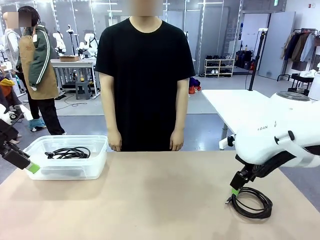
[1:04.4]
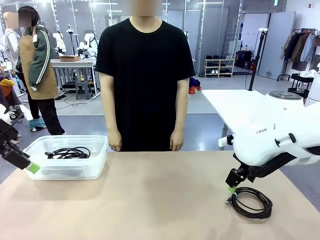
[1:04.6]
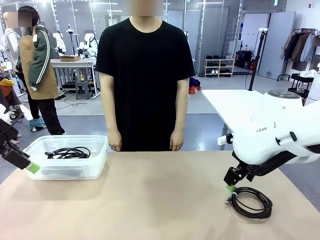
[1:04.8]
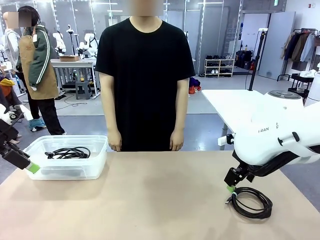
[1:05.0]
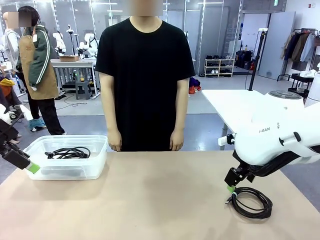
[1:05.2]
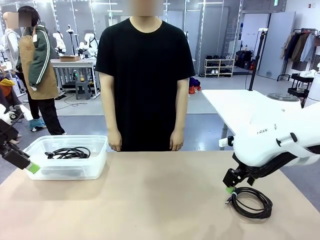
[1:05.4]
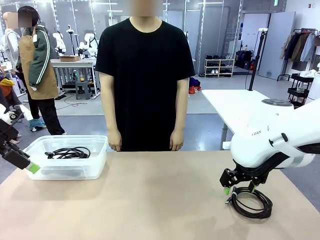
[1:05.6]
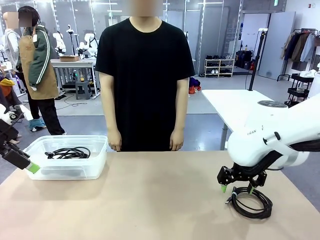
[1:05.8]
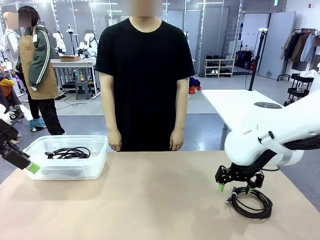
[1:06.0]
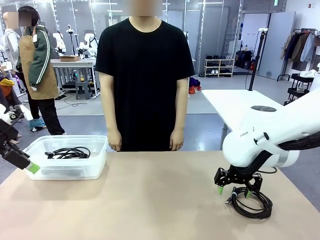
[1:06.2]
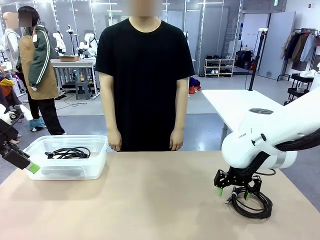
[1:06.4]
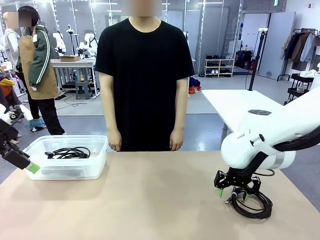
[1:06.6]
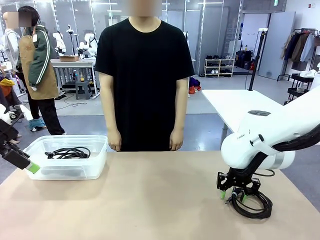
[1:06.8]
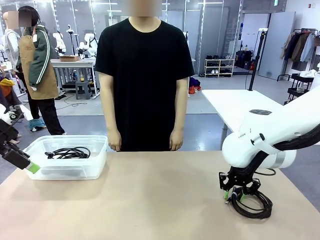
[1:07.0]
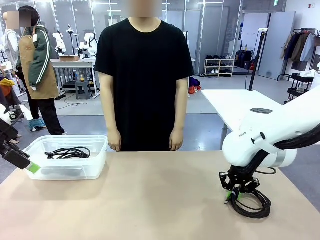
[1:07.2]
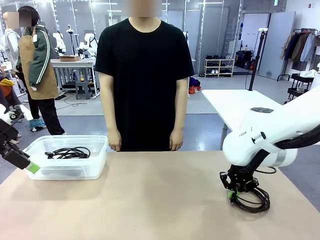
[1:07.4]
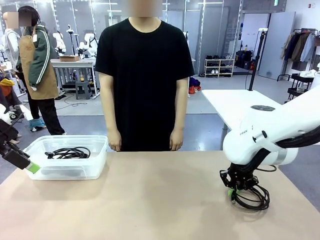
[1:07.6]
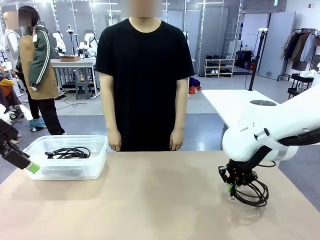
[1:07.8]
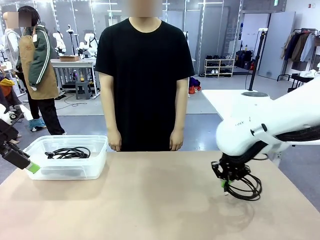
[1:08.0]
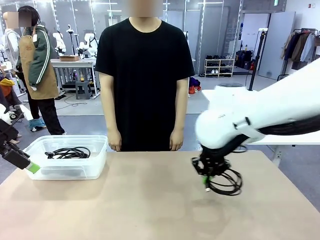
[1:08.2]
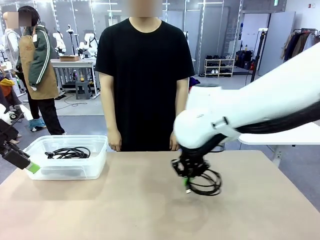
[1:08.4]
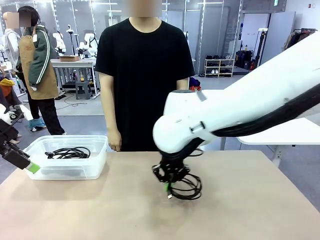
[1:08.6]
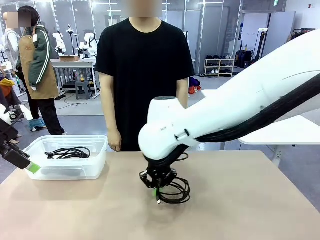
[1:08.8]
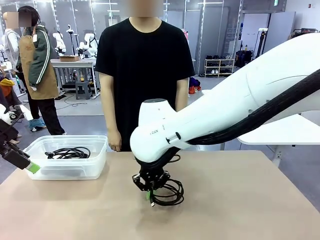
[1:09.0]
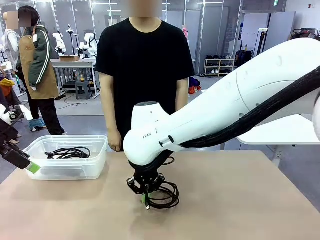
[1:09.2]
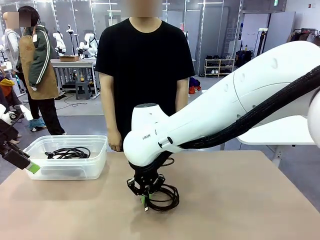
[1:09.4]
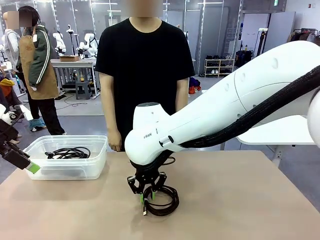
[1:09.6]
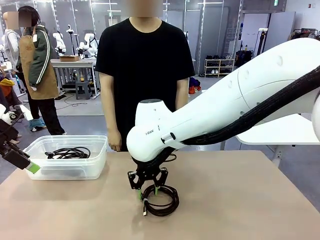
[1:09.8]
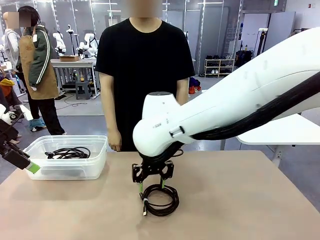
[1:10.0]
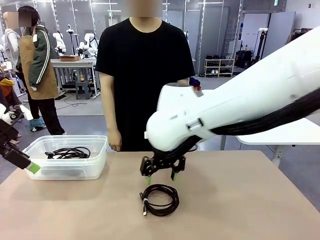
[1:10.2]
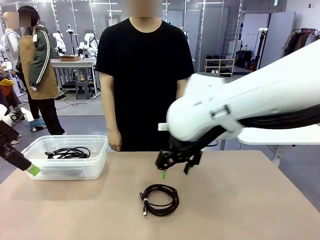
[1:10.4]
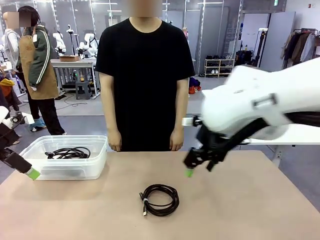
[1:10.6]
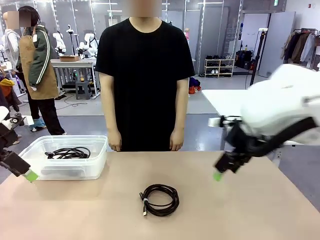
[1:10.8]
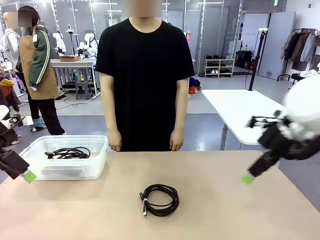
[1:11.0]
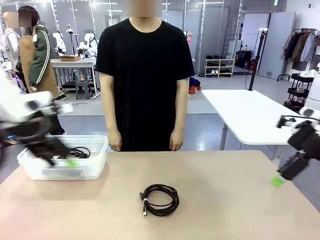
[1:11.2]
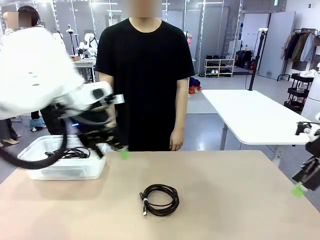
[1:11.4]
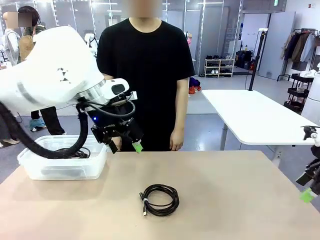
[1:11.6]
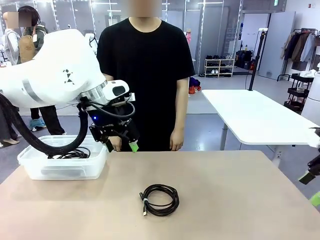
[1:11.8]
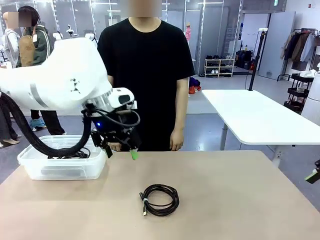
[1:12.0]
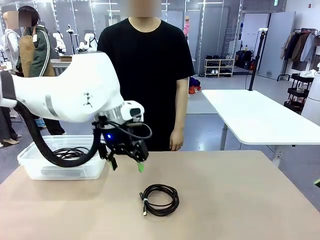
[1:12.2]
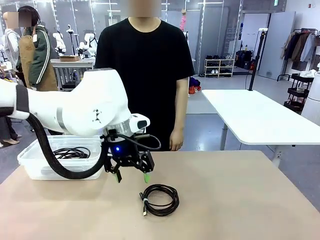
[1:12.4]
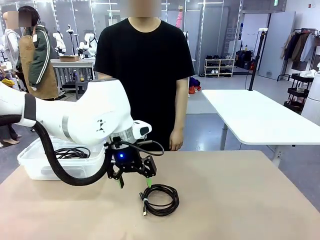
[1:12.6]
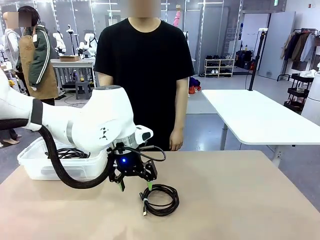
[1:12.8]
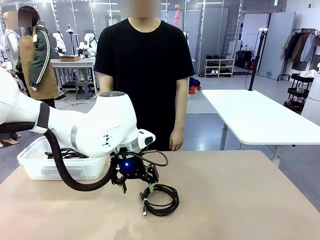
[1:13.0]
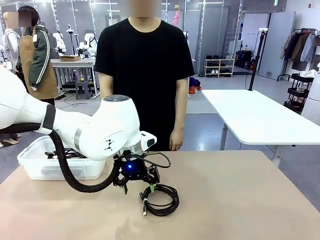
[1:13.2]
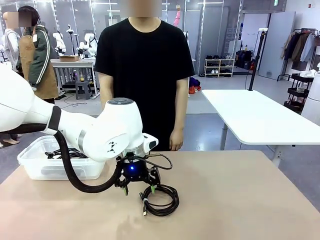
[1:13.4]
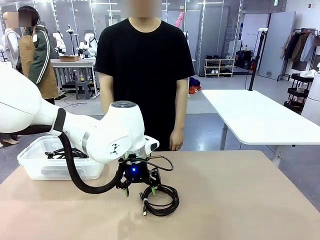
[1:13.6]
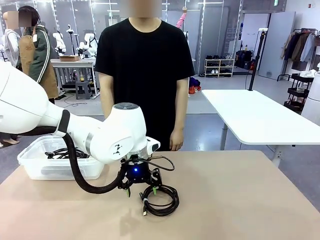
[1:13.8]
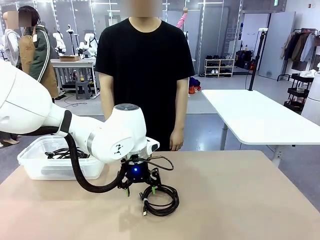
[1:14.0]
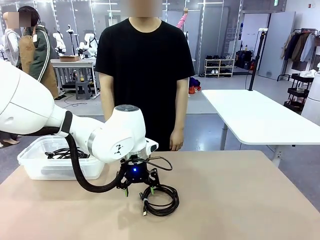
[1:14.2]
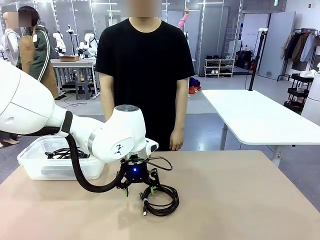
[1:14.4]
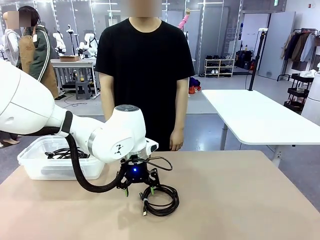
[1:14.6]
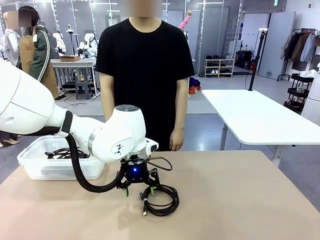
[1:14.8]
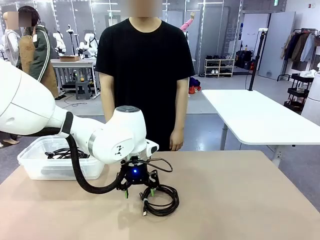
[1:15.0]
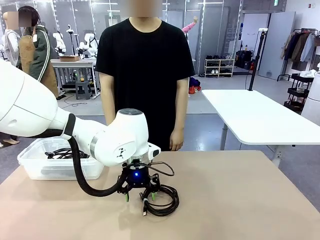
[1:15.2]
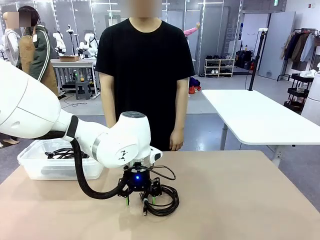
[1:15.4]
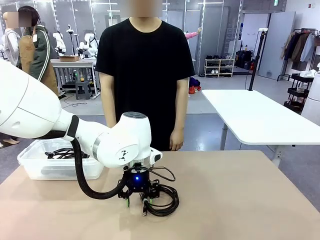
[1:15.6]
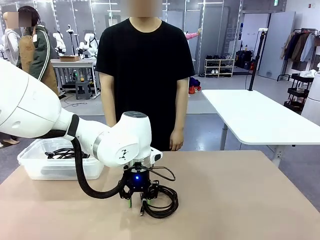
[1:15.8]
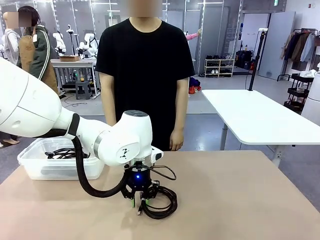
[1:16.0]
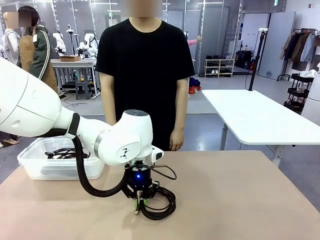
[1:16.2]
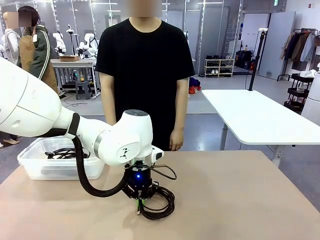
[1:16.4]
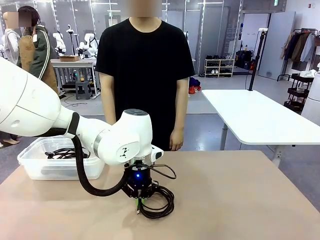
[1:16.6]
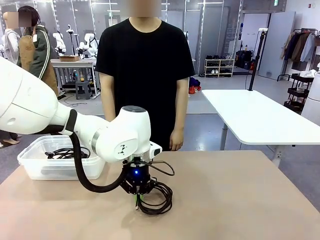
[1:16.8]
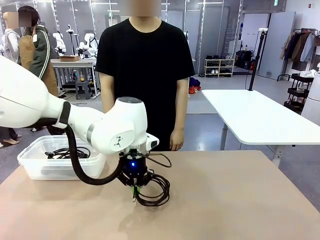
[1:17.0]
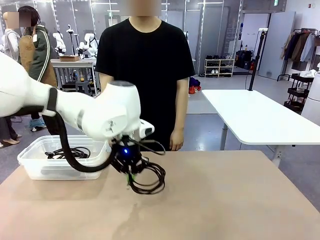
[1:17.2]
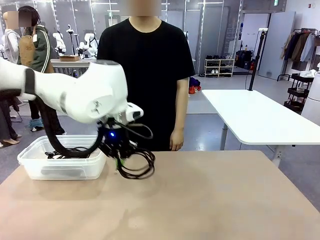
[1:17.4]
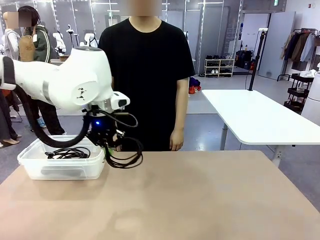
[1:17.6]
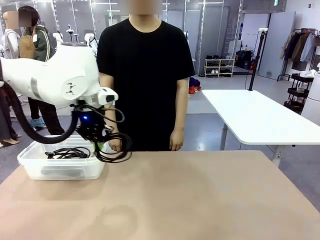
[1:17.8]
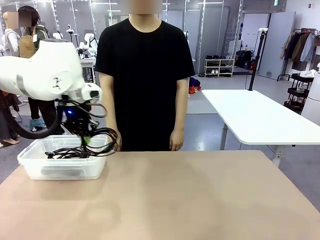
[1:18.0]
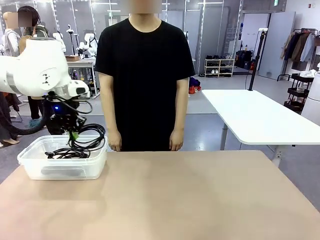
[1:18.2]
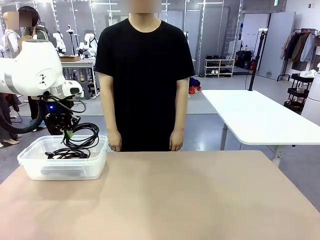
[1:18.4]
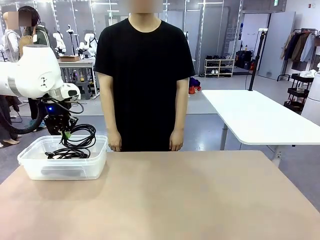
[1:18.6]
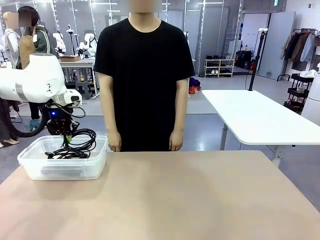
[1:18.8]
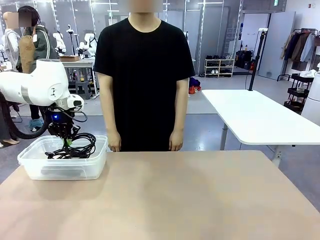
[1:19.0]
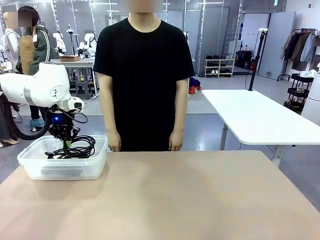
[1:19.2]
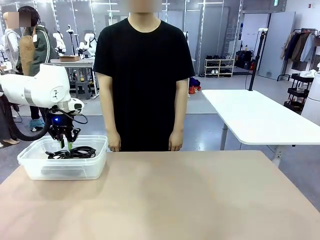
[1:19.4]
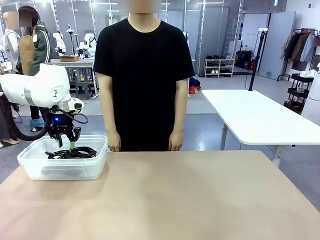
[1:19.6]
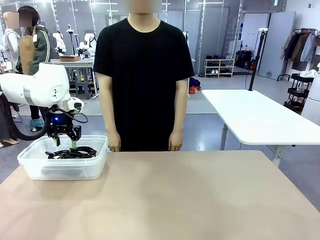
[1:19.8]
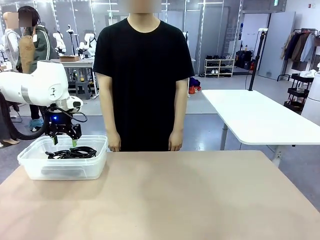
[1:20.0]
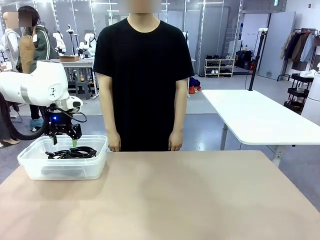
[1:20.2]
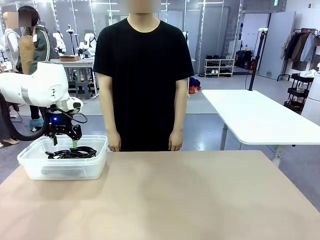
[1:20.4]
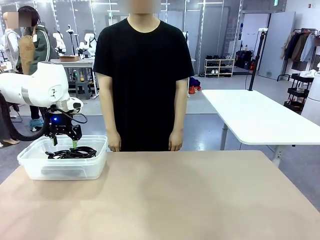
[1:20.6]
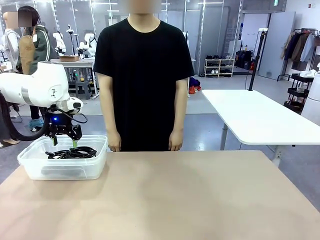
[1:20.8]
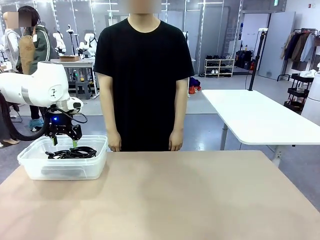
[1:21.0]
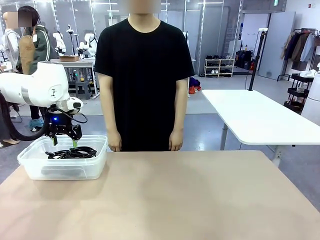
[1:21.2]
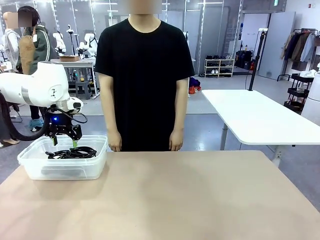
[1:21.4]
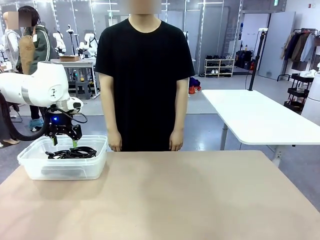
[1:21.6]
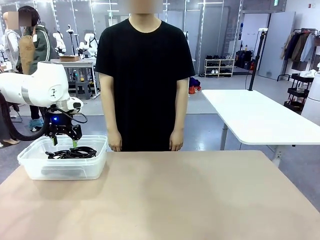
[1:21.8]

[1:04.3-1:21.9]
Task: Organize and store the cables.
Robot: Place the USB Extension Cable into the Organizing box.
